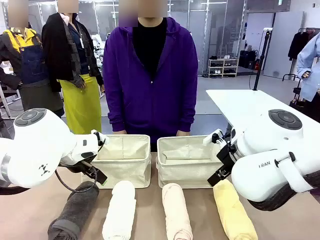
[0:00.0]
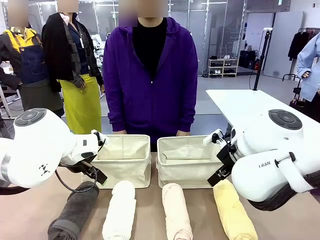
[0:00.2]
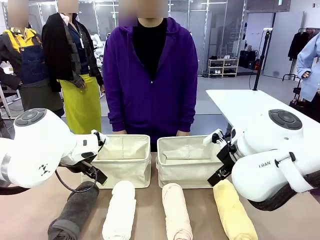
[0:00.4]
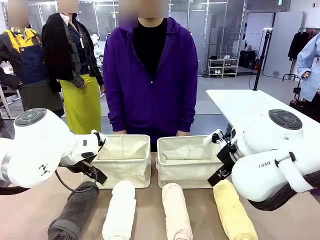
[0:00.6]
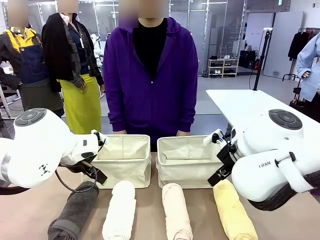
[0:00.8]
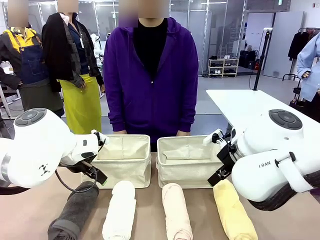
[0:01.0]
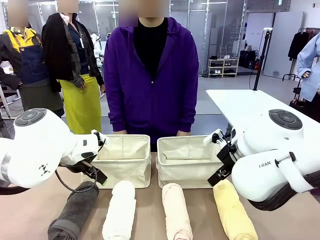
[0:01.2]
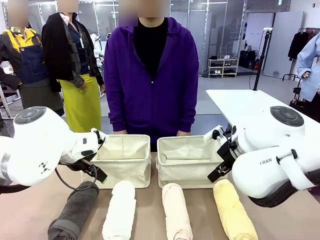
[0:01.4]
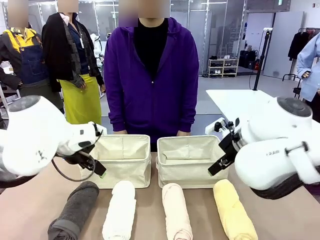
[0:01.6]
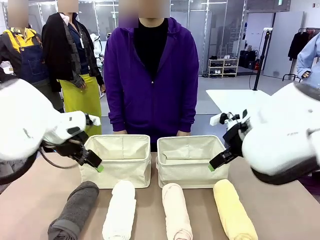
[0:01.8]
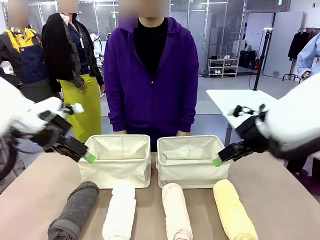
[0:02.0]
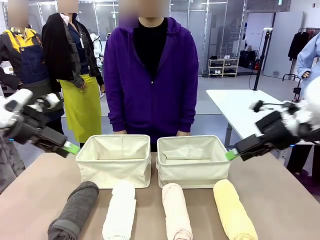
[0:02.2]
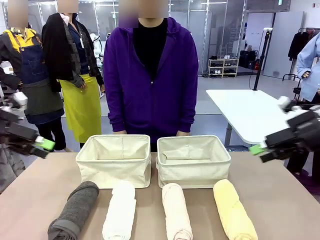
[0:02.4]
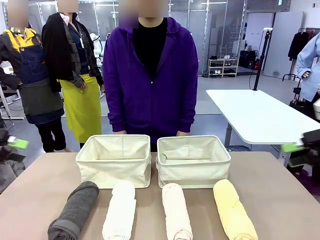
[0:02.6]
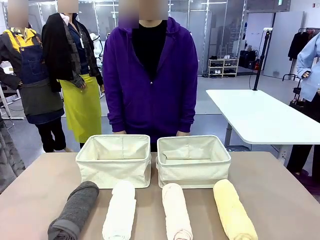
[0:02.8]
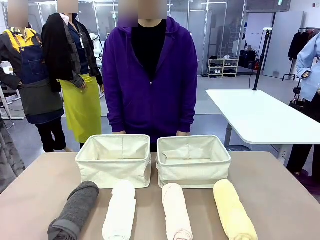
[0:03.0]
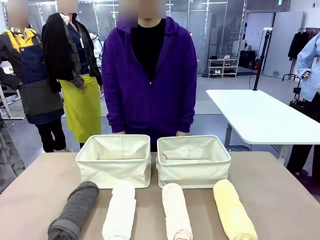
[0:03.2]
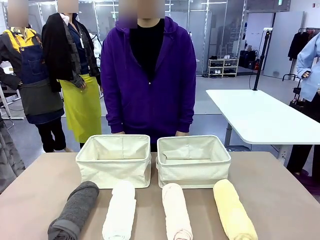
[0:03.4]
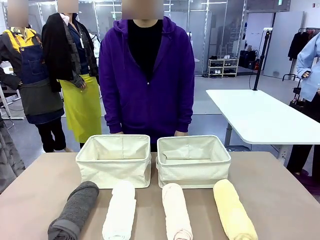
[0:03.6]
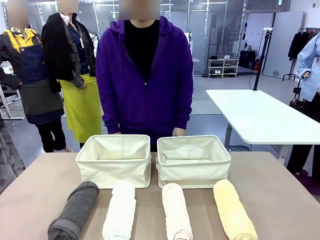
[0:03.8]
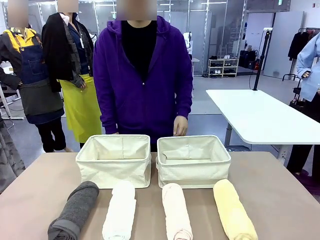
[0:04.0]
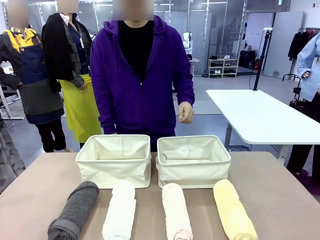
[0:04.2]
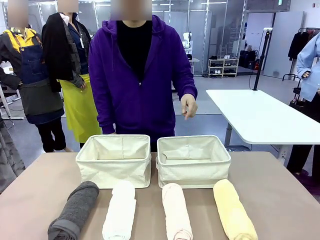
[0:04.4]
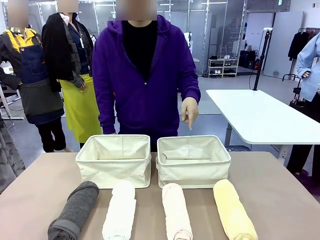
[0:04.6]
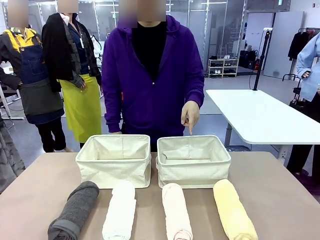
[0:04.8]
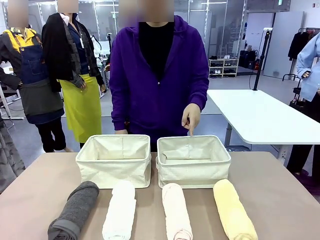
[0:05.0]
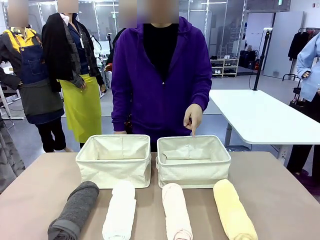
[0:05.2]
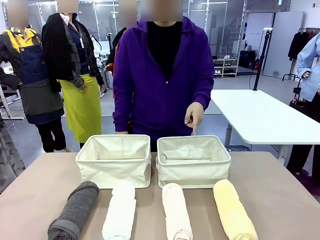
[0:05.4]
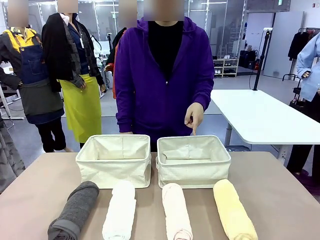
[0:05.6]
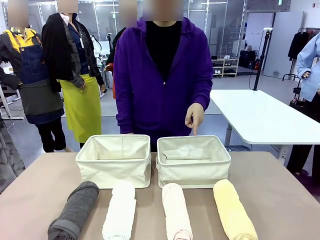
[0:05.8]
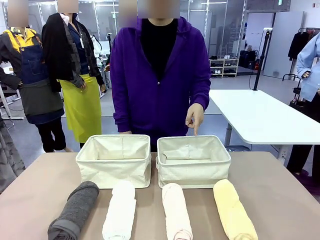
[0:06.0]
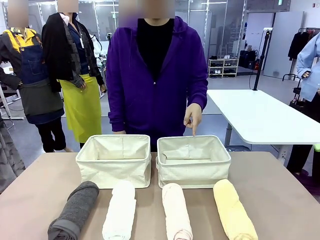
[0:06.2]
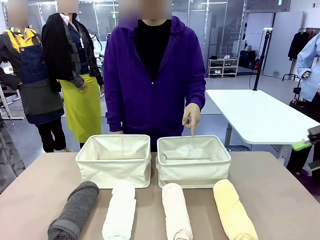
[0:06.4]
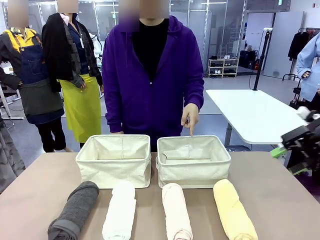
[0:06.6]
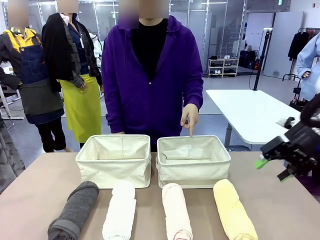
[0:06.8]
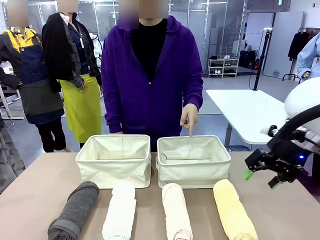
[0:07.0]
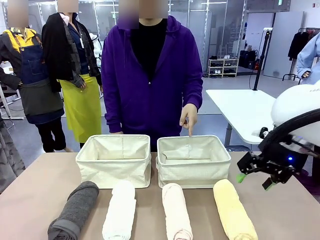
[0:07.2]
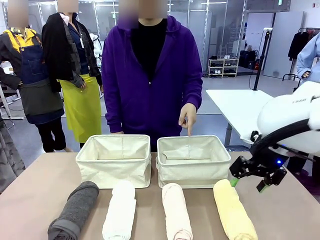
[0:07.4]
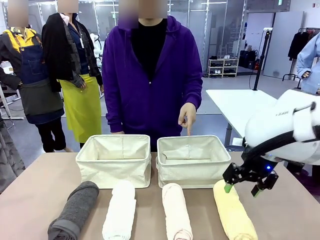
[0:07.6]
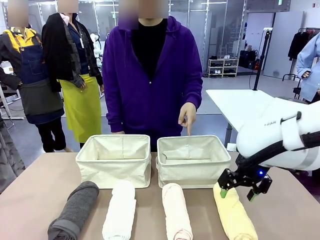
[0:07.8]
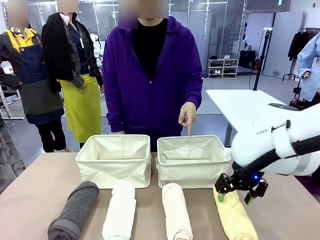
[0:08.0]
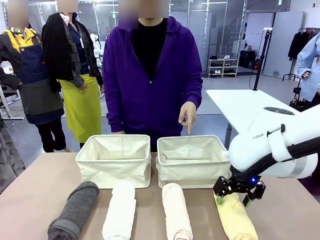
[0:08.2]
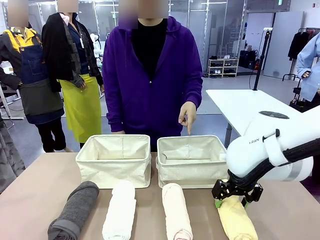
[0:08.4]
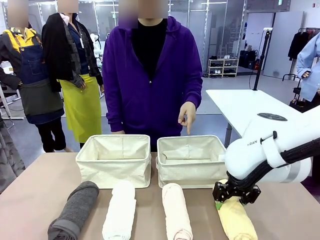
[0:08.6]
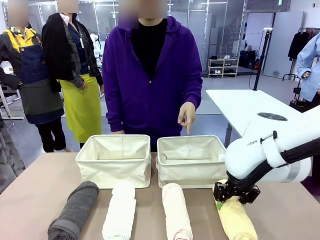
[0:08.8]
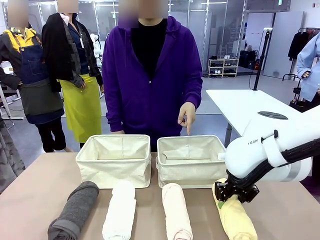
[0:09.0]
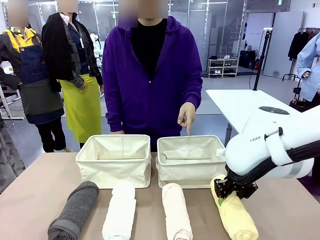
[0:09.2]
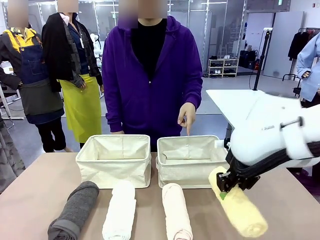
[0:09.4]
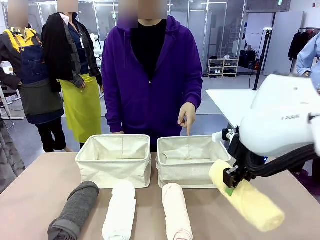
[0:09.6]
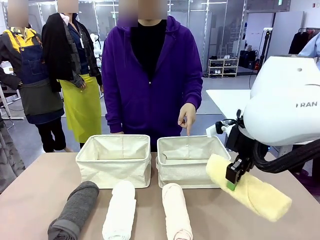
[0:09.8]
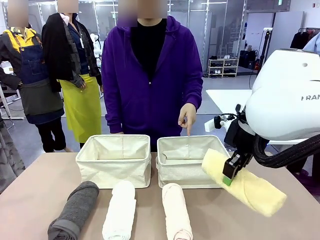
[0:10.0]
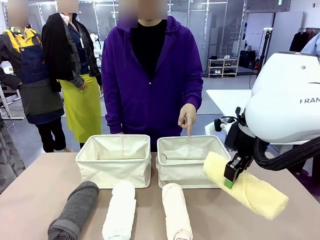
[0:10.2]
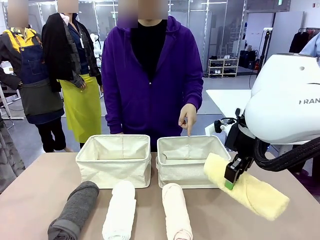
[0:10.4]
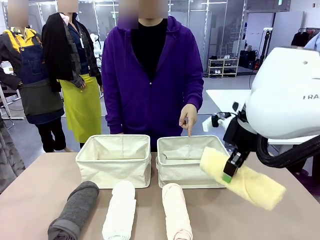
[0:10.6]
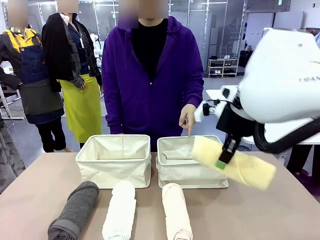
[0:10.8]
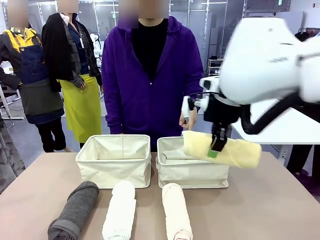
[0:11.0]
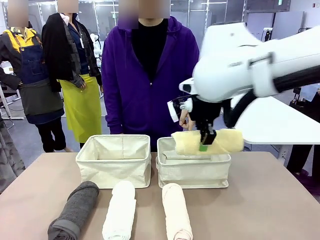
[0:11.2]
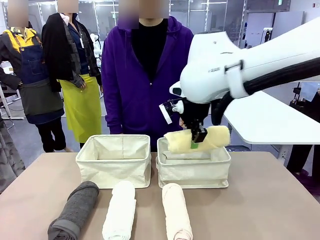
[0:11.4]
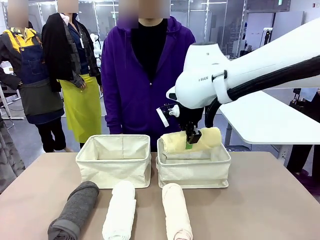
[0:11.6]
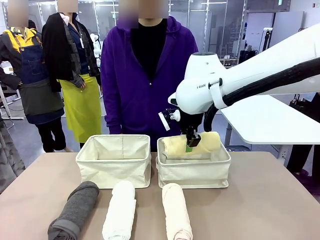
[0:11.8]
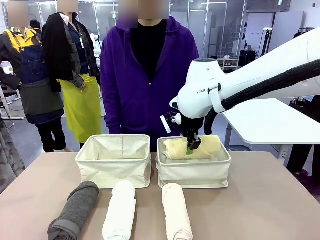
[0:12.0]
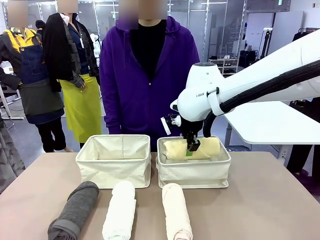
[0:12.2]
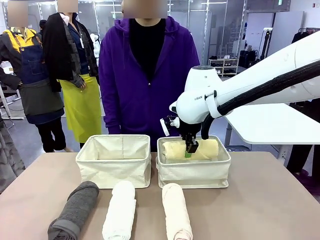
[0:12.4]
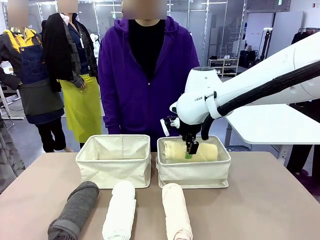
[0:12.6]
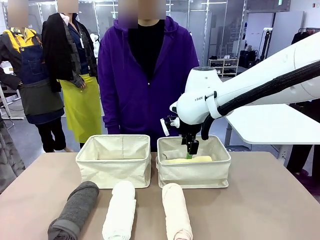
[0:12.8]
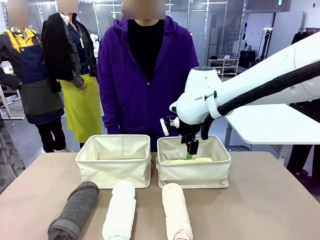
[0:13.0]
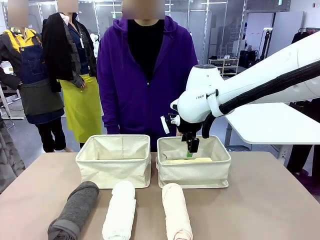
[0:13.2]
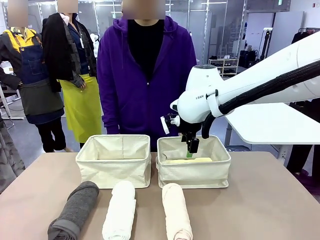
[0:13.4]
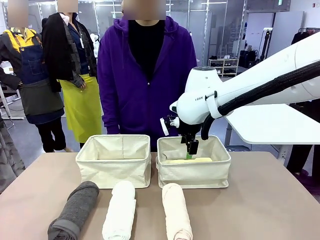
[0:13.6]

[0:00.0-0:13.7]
Task: Divide the towels into two baskets.
Robot: Pick up one hotel-folded towel and place it in the Fabric basket indicated by the person.
